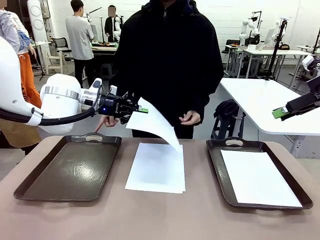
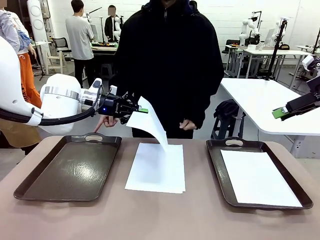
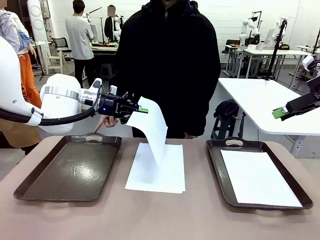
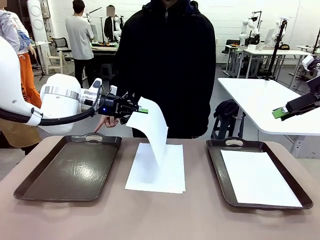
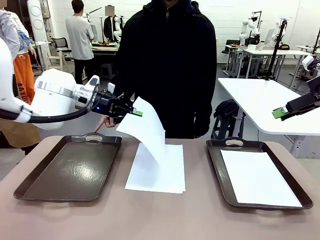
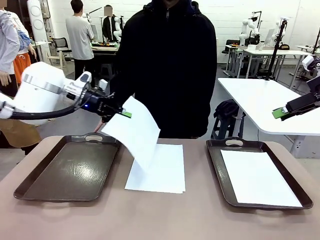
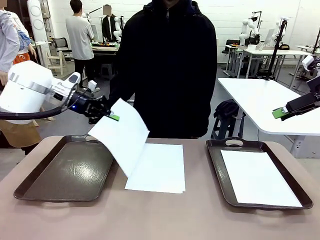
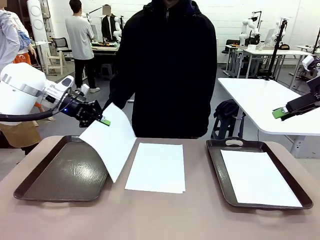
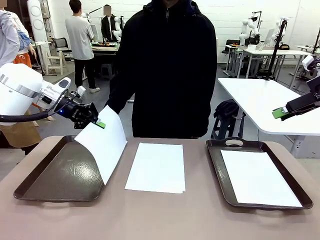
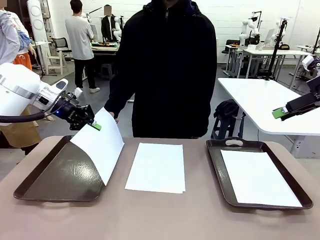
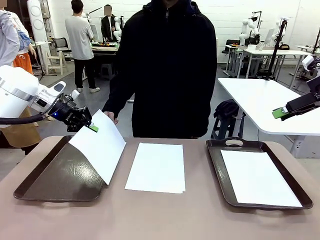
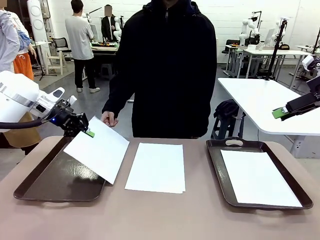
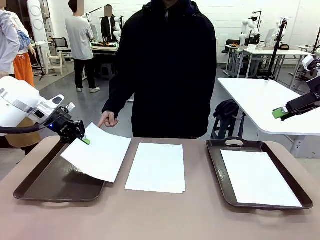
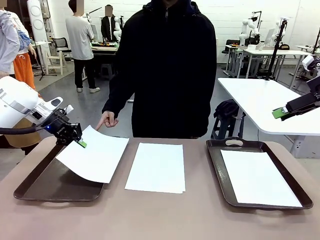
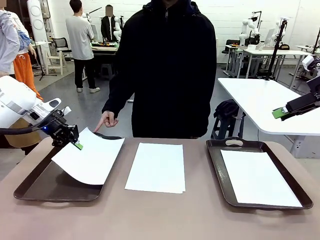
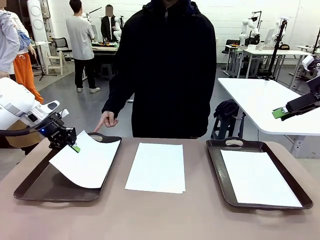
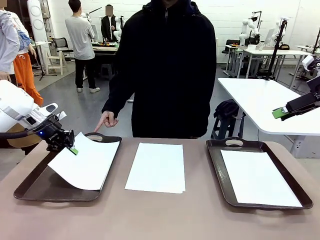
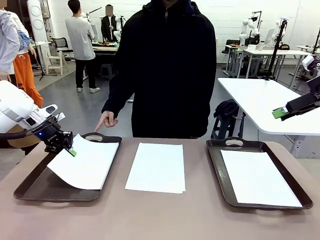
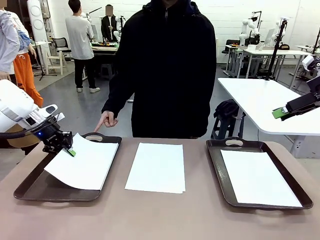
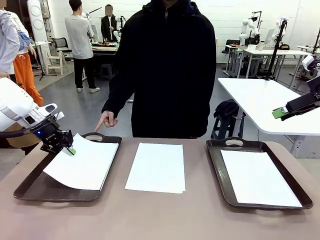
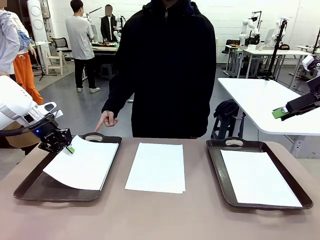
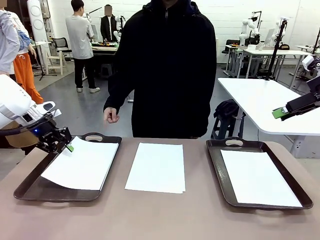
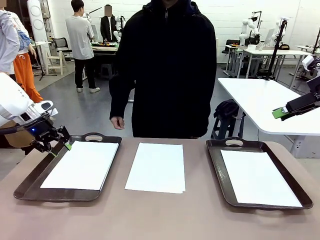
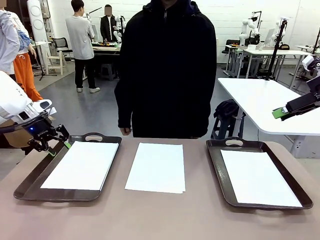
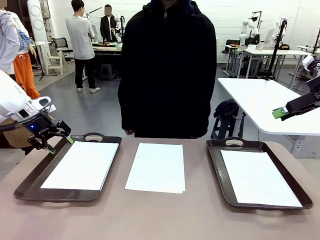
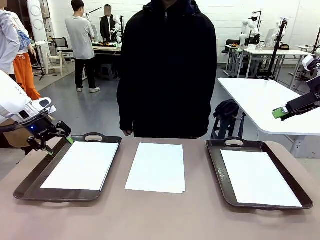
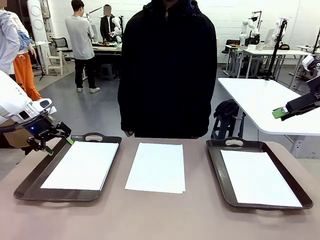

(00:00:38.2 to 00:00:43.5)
Task: Sort the A4 documents.
Robot: Place the A4 Paper in the designated Handle tray.

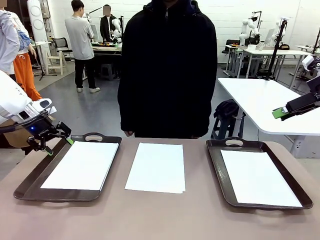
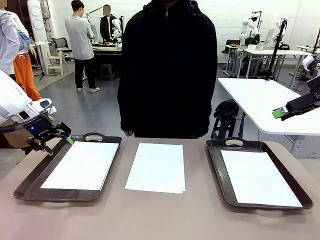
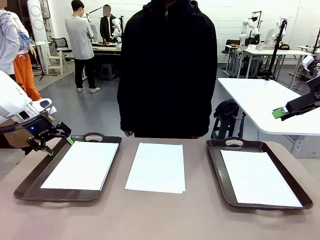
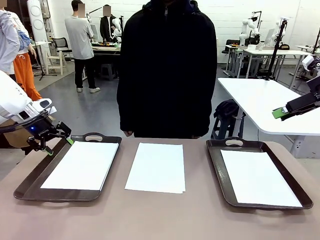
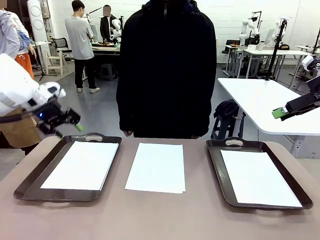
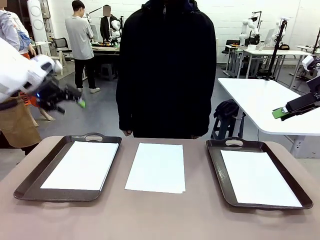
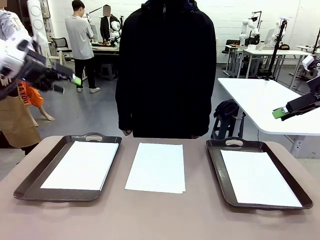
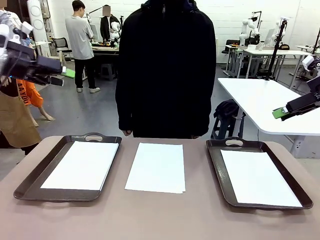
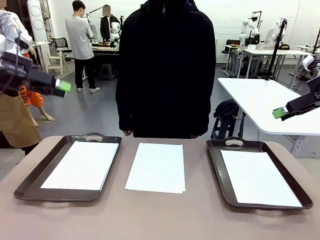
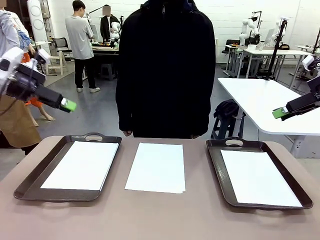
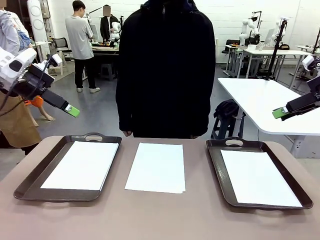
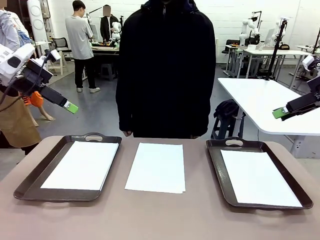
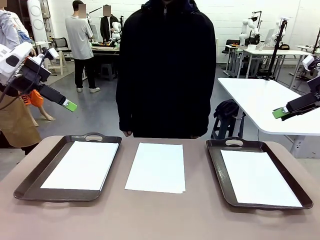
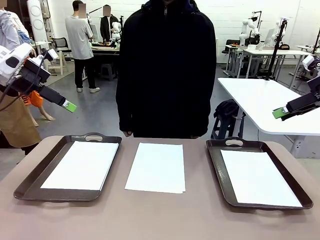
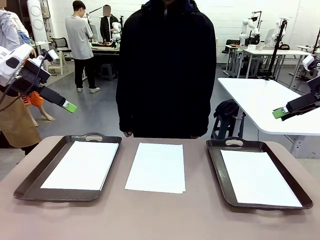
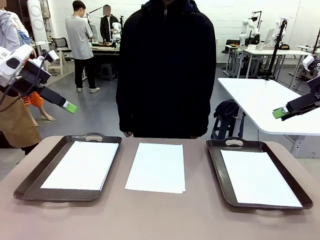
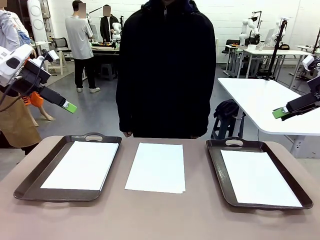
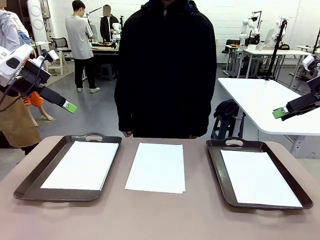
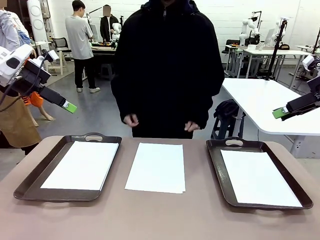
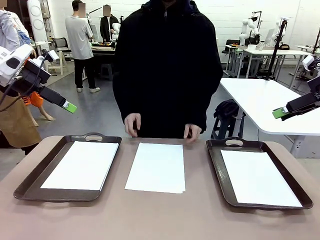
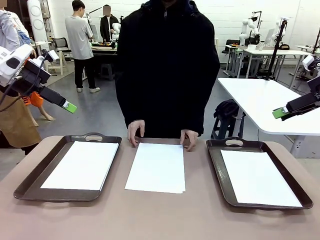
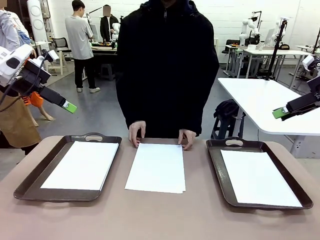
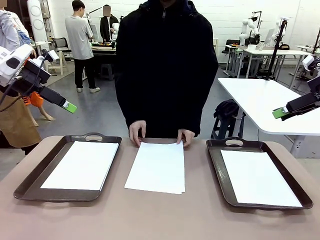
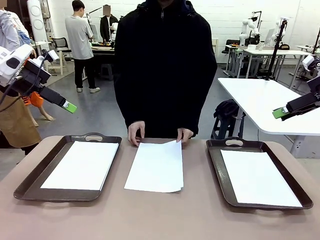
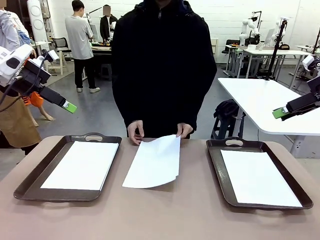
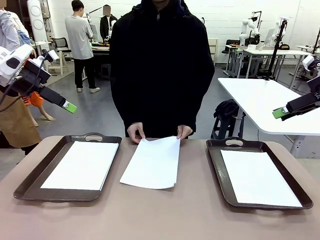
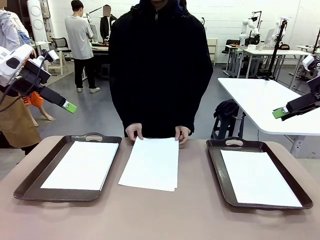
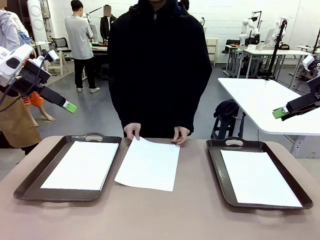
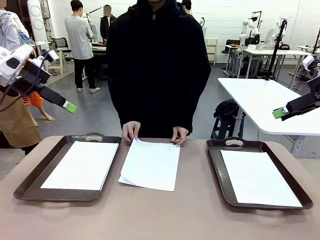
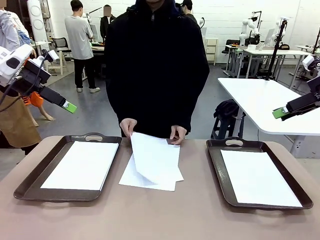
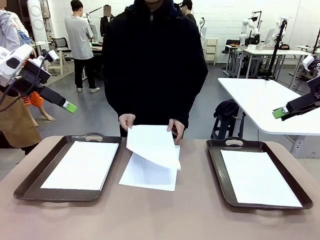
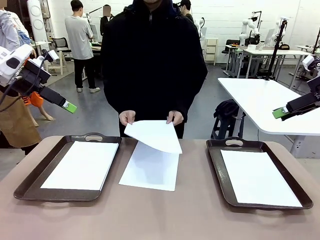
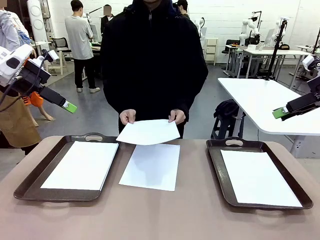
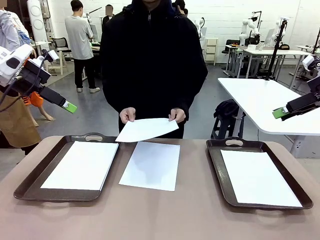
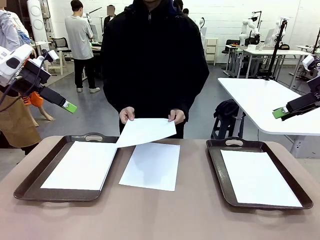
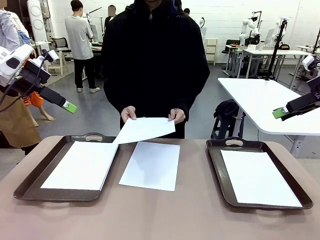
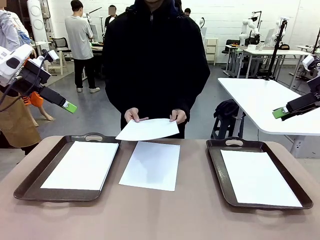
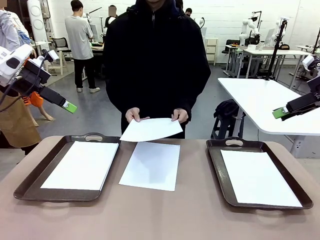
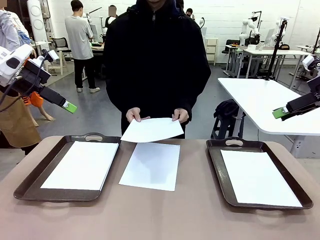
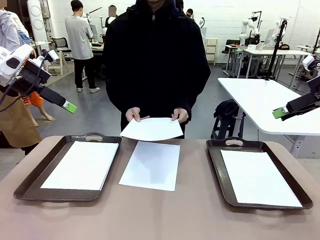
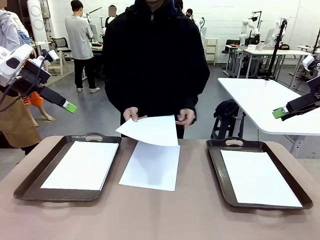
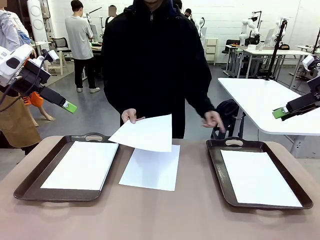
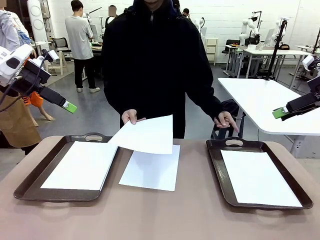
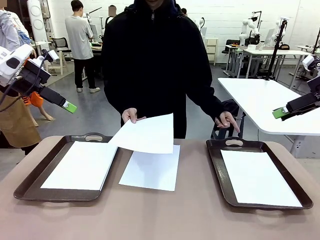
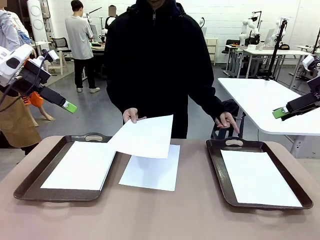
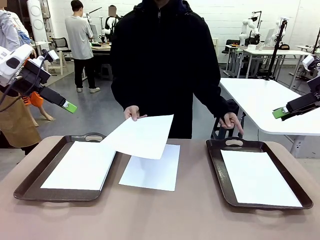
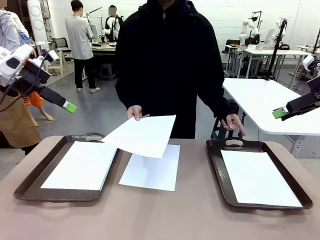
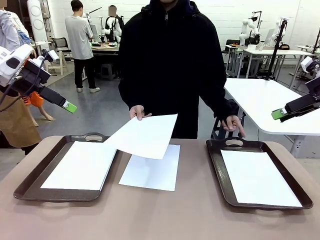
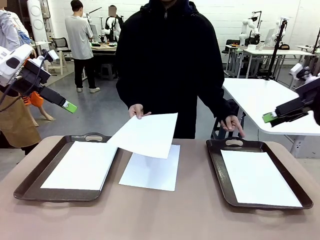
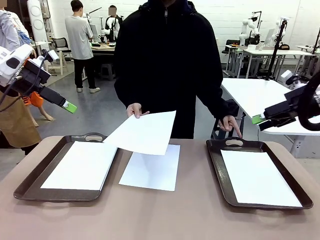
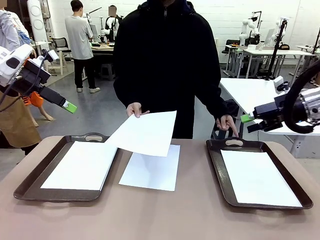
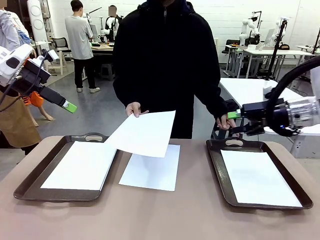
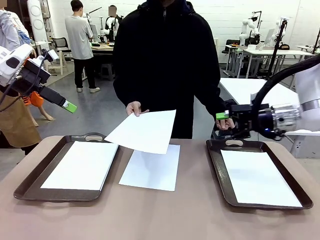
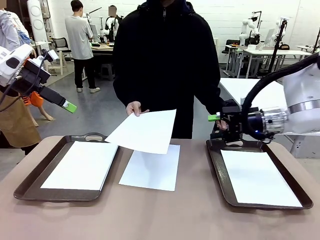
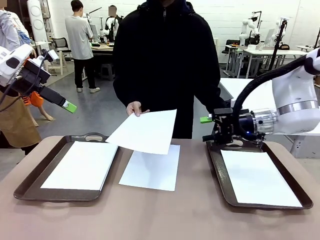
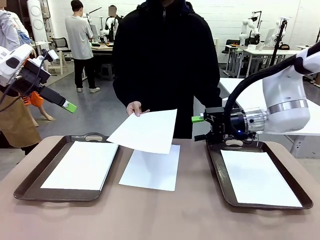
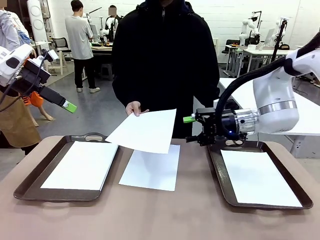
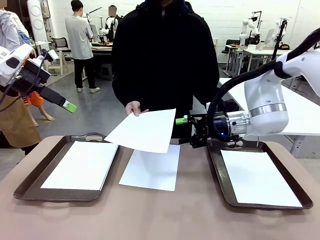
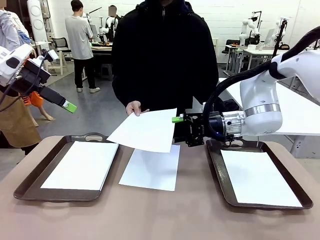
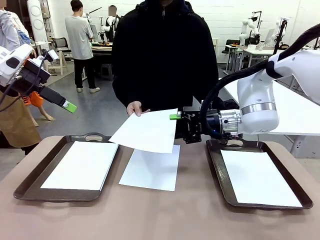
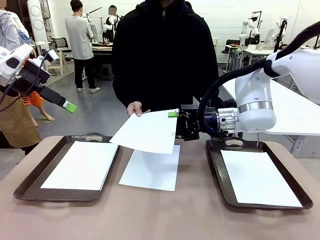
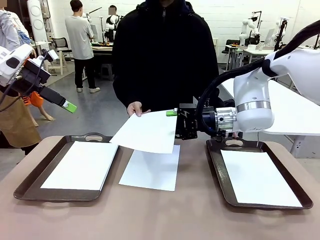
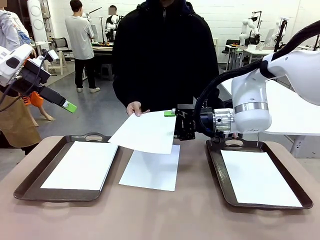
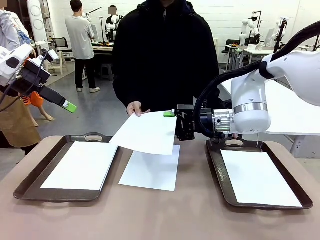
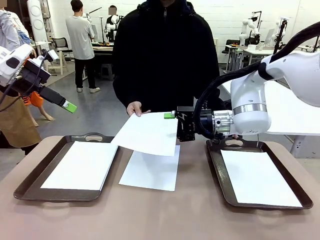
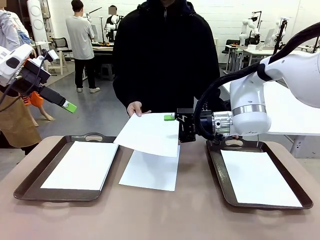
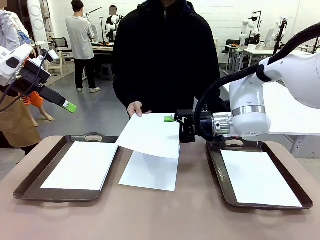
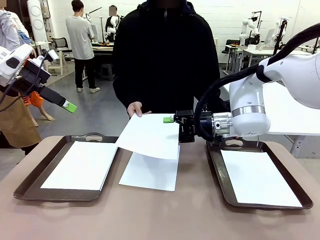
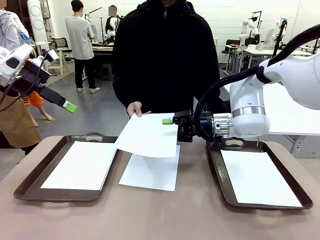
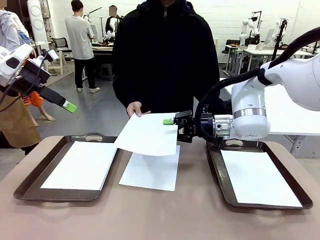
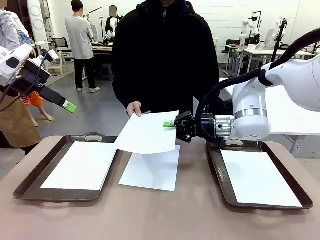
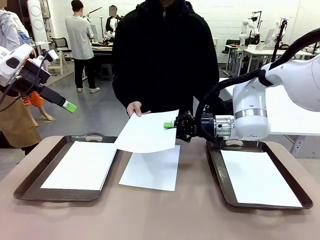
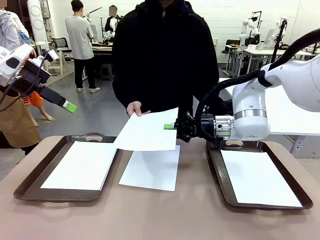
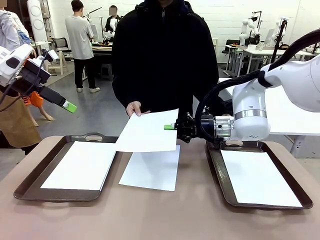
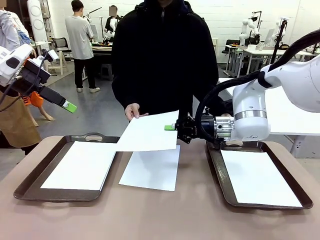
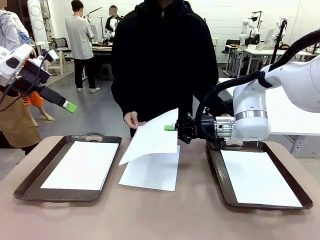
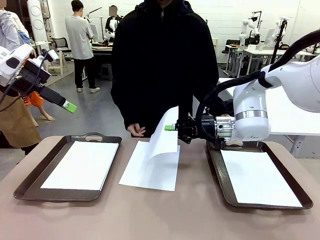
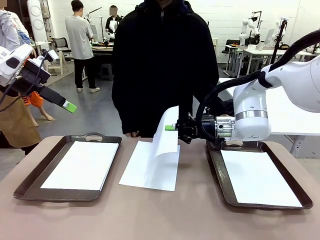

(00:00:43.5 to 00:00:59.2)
Robot: Receive the A4 Paper.
Person: Point the randomly selected tray with the other hand.
